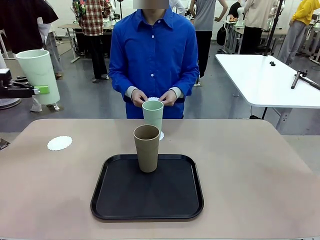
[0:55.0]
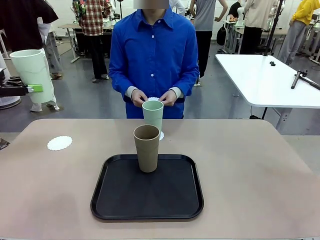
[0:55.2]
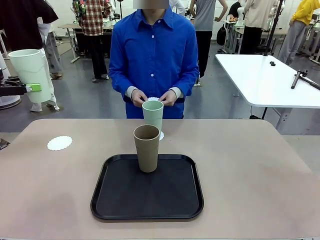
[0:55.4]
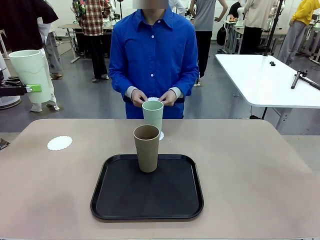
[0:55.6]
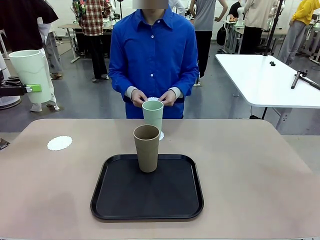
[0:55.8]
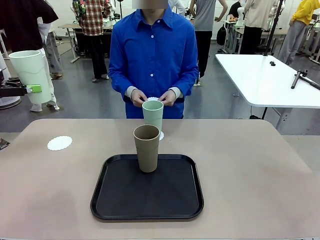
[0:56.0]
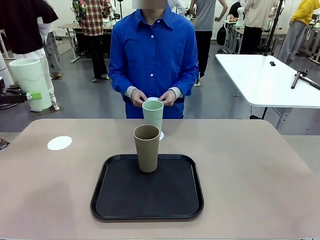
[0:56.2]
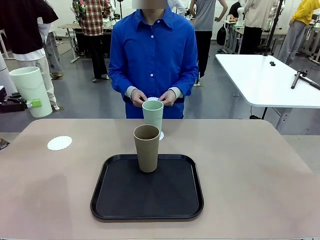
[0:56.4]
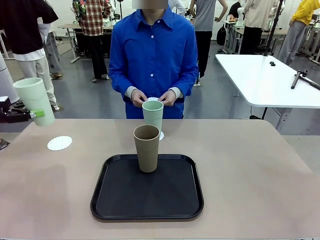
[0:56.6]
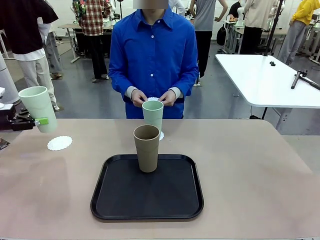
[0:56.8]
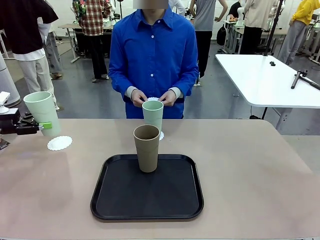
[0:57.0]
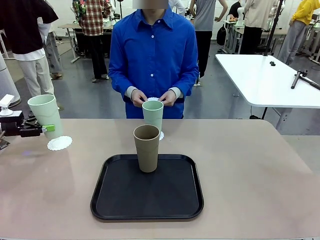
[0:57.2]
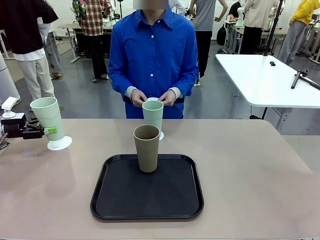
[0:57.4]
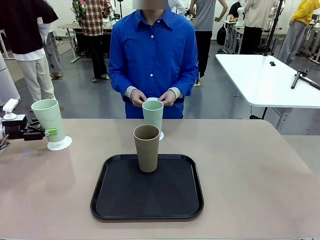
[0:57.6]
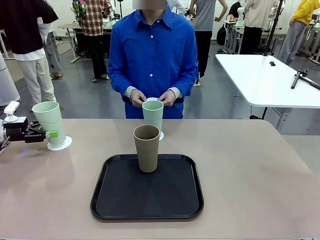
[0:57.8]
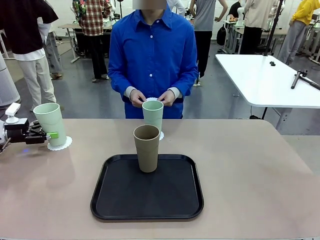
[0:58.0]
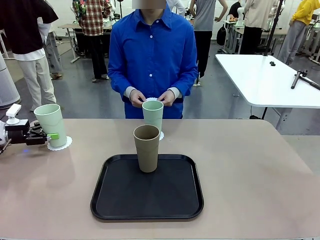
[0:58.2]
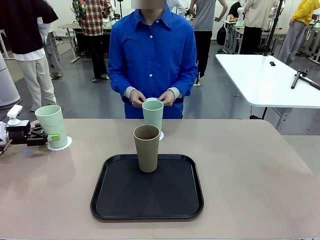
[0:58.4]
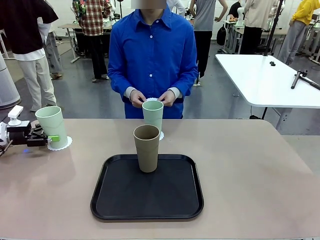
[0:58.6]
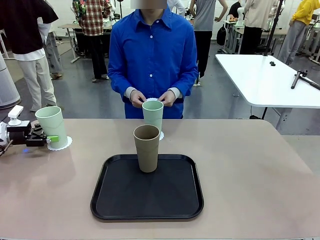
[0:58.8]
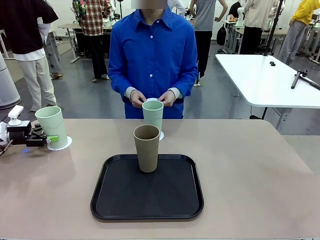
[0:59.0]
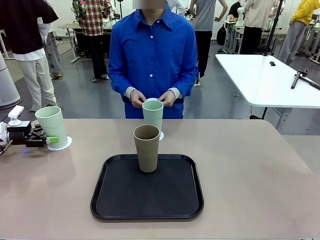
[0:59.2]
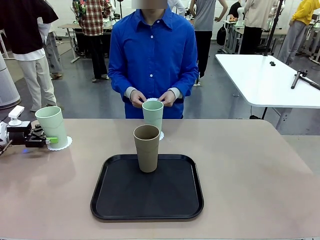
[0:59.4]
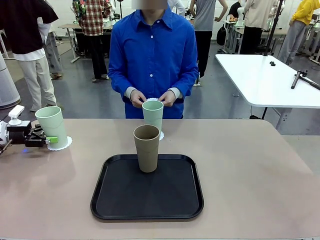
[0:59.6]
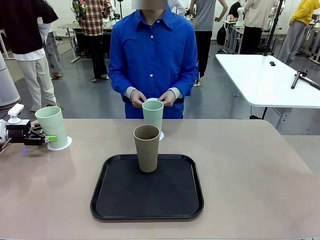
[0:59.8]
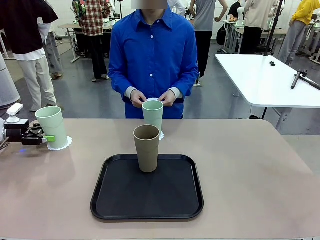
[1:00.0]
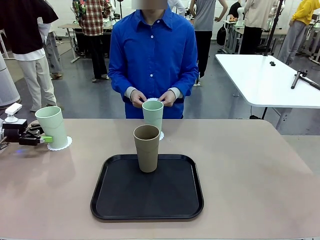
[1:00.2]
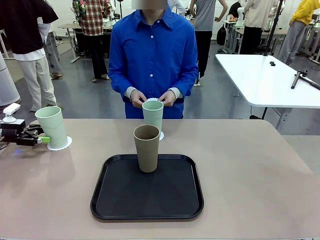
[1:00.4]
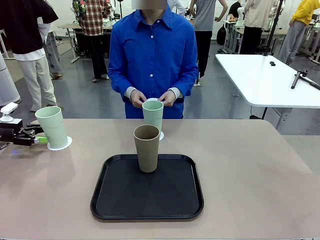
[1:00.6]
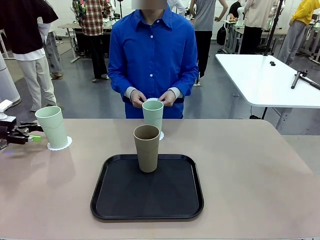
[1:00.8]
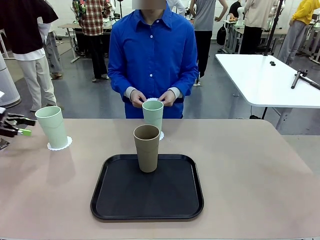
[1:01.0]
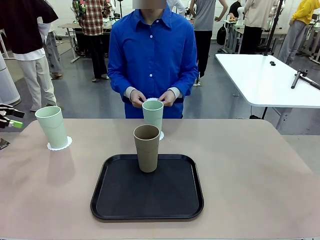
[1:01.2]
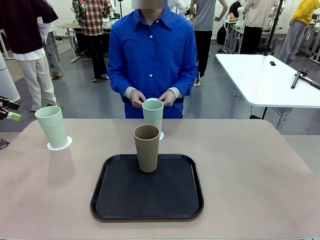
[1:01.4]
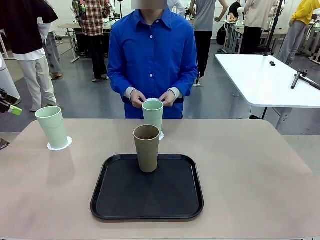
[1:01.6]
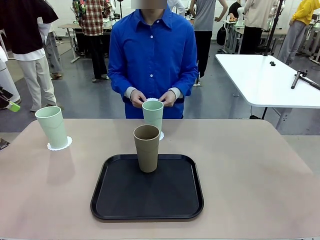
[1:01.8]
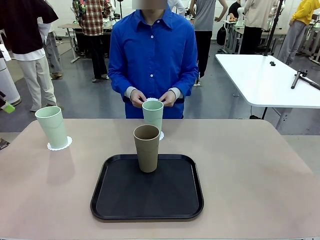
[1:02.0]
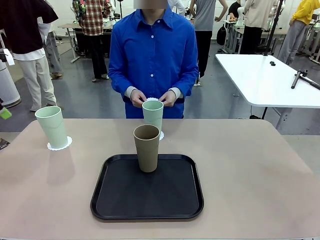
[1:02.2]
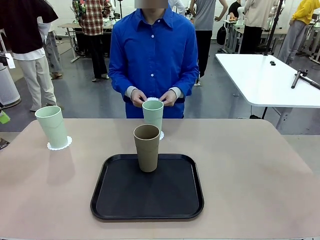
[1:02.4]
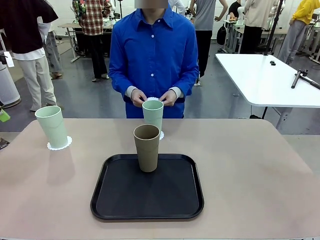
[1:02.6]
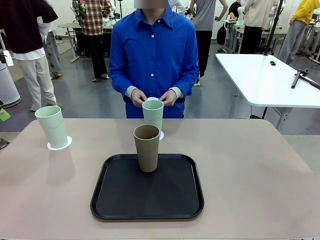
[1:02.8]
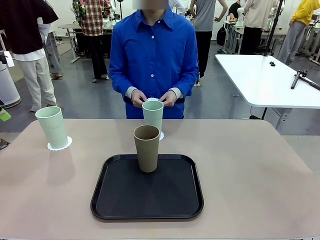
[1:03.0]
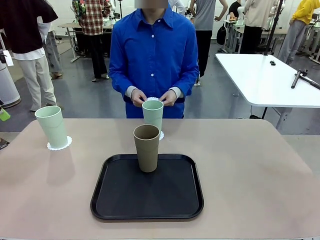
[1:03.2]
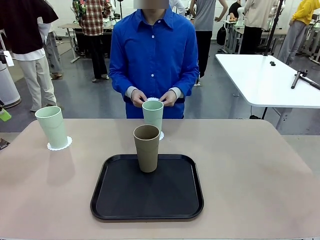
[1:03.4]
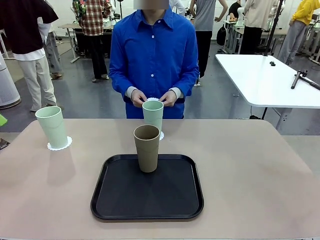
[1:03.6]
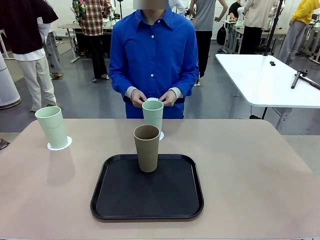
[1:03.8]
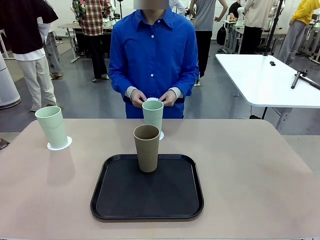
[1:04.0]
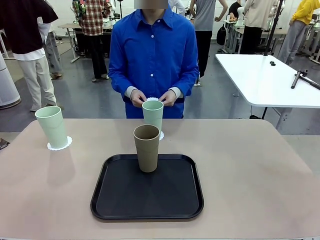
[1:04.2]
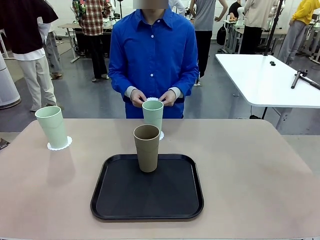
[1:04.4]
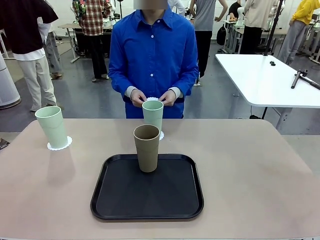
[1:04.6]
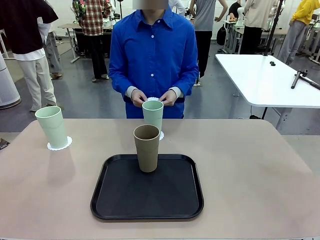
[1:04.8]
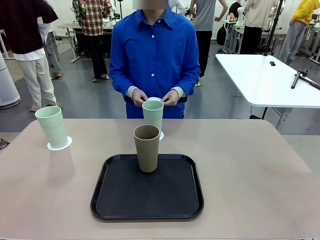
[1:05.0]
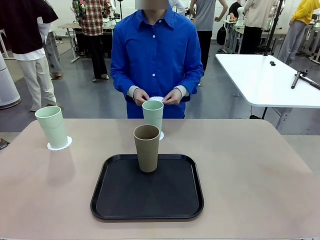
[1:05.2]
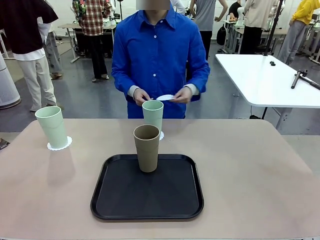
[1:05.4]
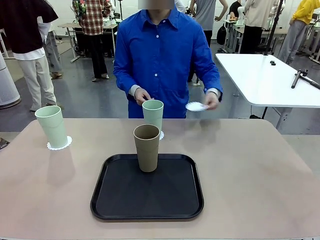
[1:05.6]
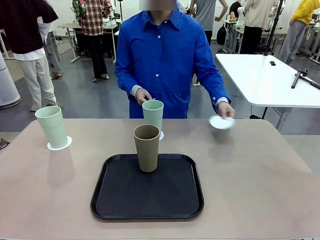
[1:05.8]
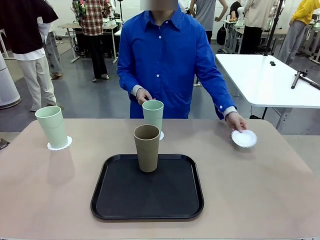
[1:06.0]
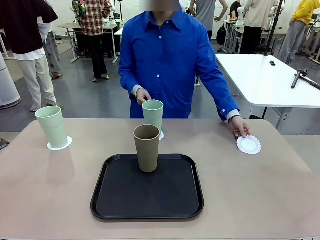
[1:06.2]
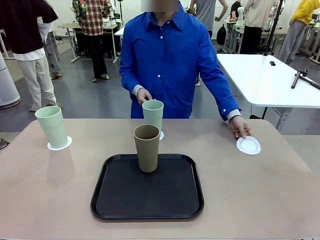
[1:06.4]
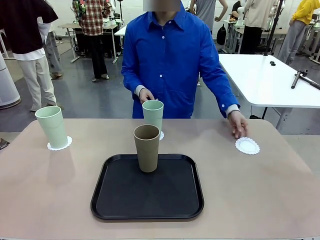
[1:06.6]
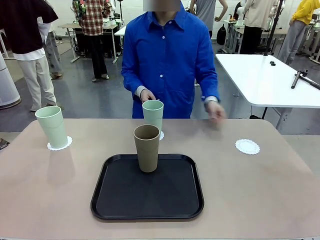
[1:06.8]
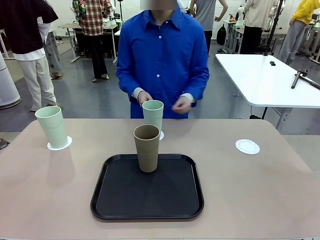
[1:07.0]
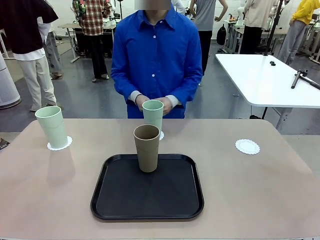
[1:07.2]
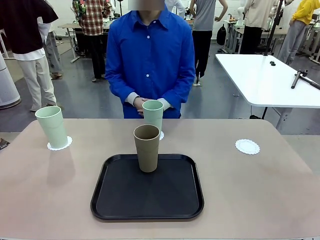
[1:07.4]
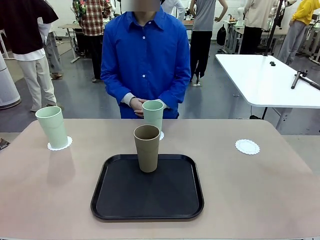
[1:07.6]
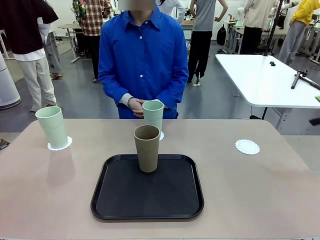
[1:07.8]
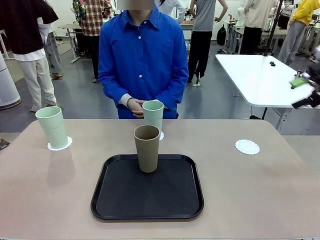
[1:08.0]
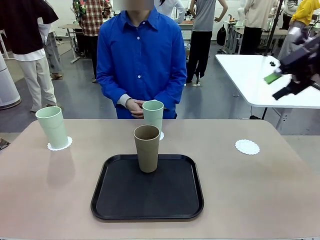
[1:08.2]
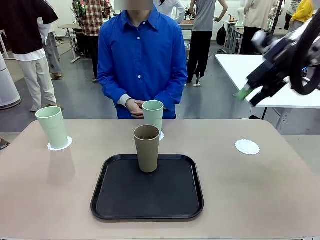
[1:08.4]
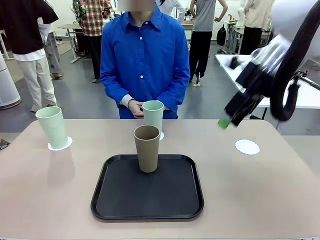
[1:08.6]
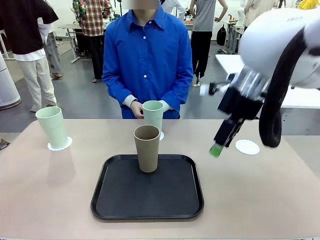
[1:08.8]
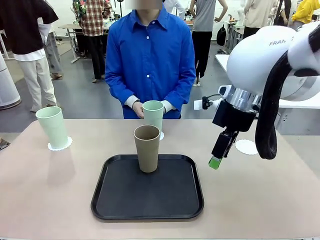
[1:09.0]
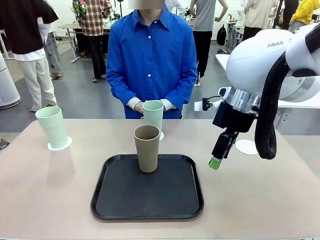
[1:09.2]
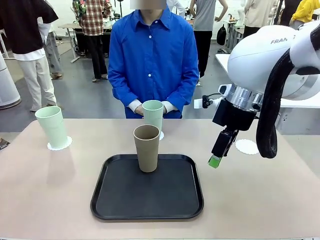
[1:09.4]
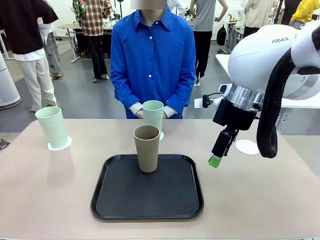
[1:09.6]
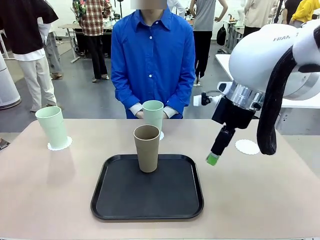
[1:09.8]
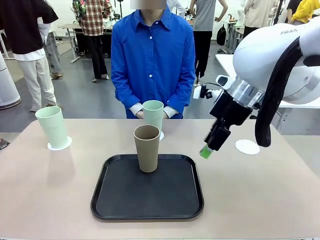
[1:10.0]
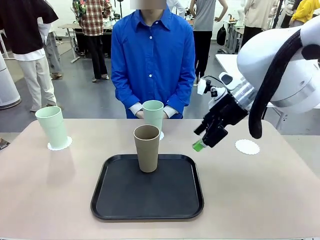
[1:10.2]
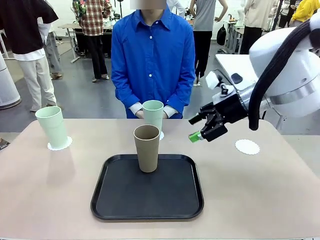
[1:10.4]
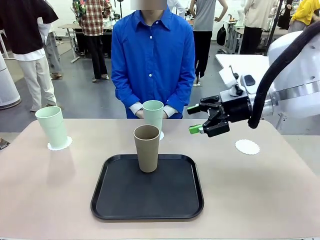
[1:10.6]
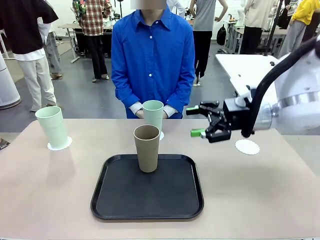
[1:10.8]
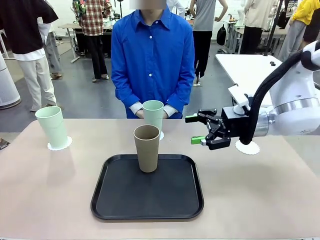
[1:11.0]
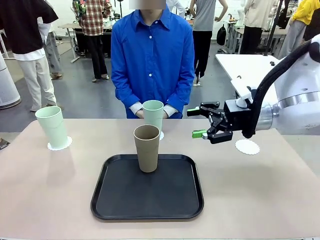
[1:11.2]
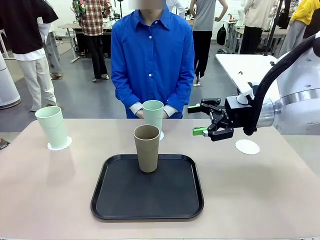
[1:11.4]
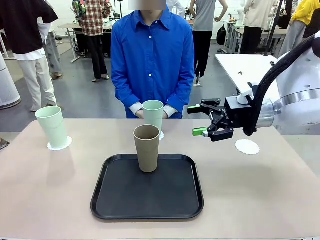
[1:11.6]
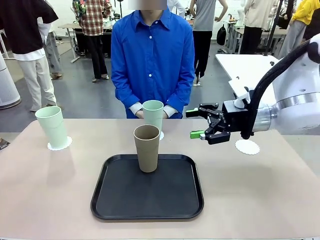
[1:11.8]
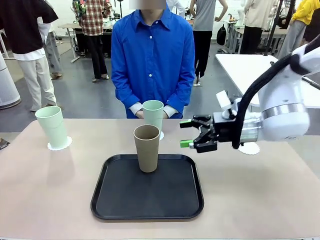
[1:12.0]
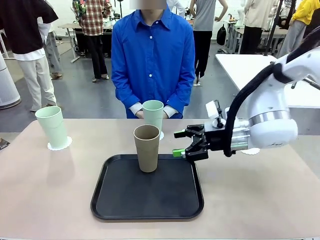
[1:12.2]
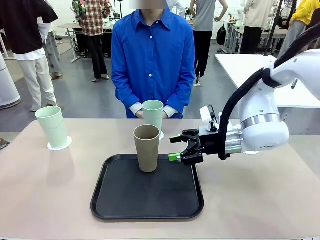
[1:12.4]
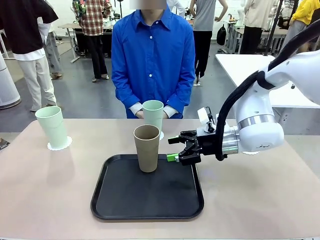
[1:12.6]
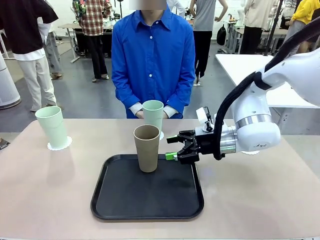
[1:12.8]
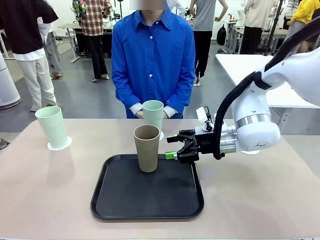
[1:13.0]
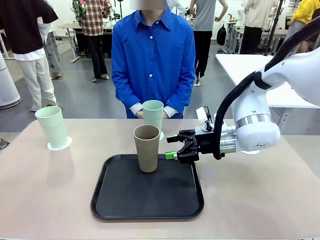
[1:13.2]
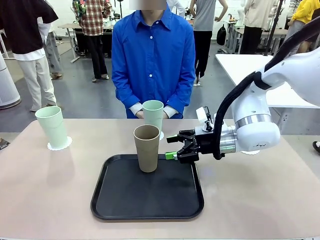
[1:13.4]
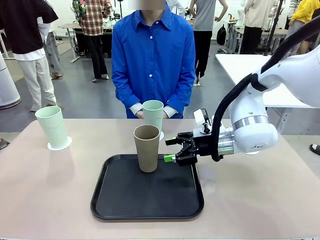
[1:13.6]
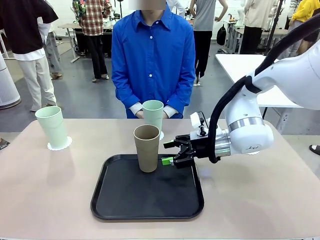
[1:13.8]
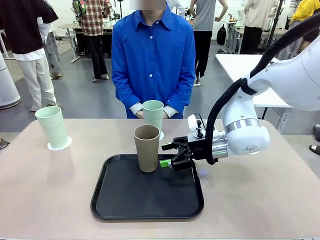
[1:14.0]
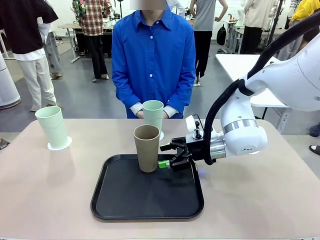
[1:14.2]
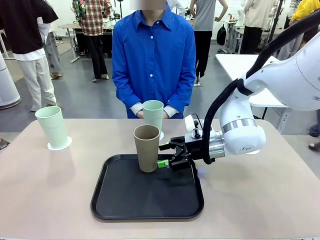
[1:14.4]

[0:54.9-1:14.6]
Task: Place coasters on the table and set cups on them.
Robot: Take one Reusable plastic cup from the Flat Tray and place it on a coaster set by the human.
